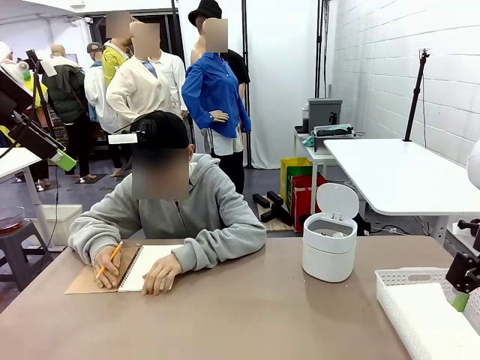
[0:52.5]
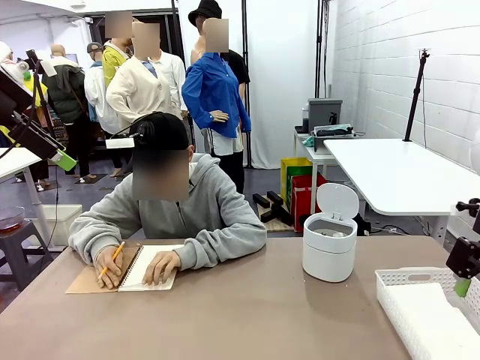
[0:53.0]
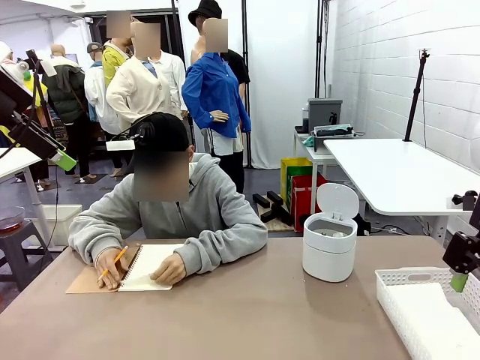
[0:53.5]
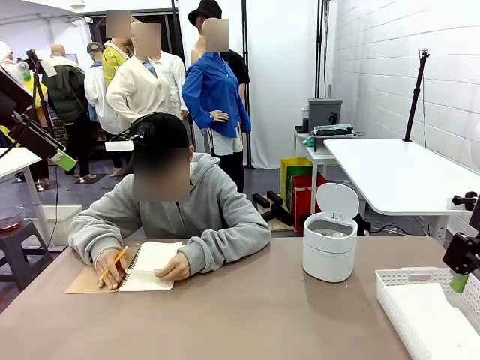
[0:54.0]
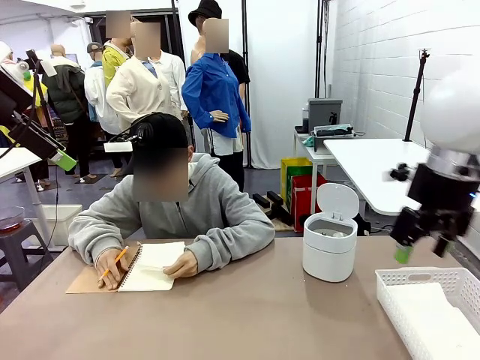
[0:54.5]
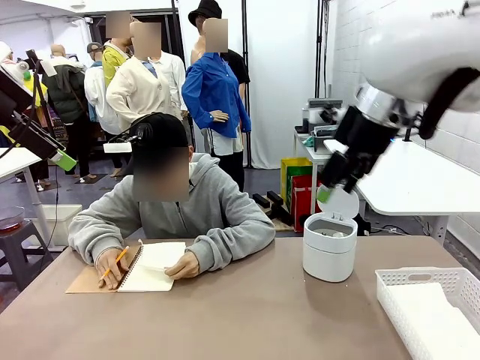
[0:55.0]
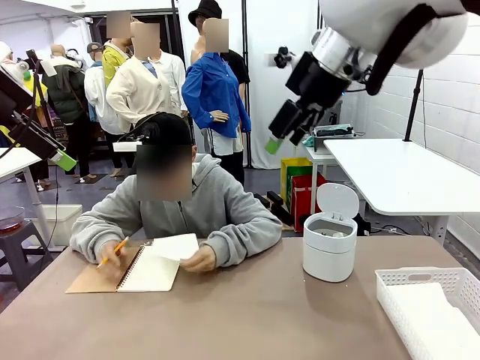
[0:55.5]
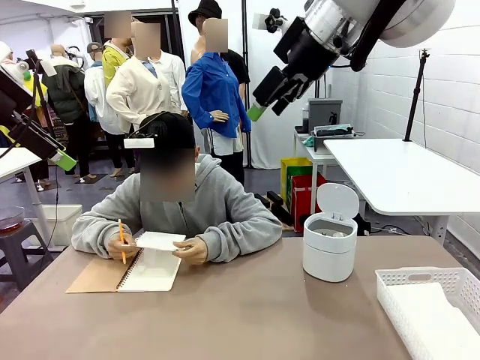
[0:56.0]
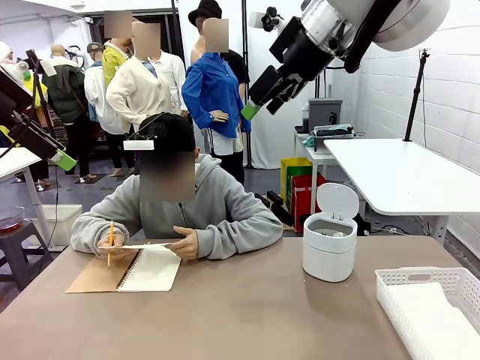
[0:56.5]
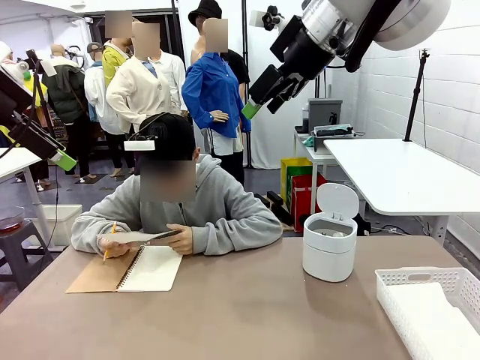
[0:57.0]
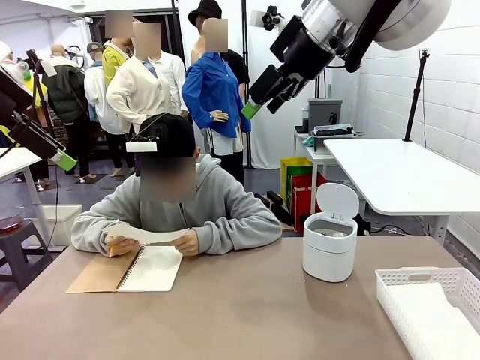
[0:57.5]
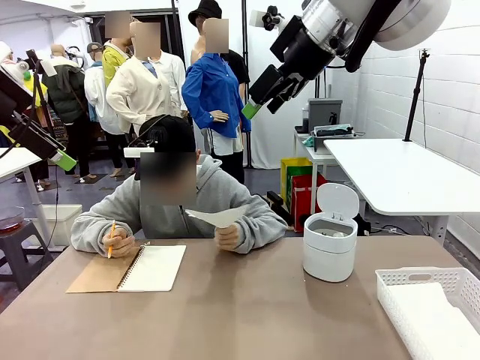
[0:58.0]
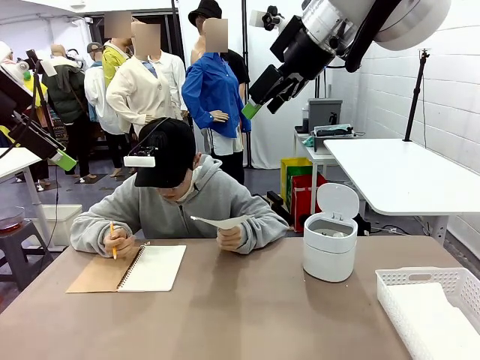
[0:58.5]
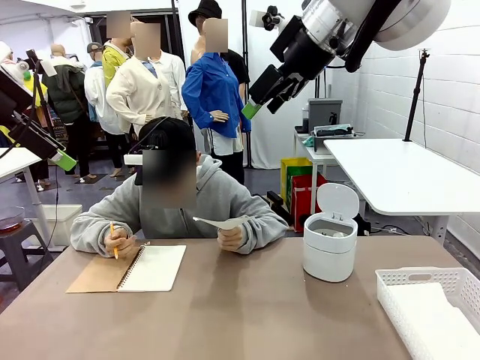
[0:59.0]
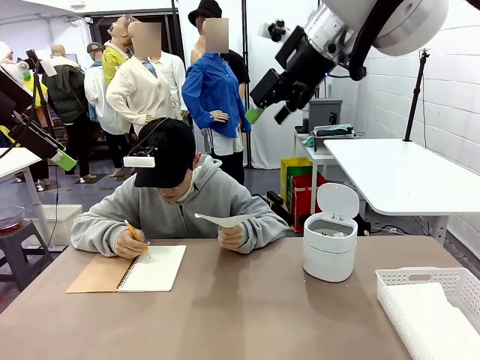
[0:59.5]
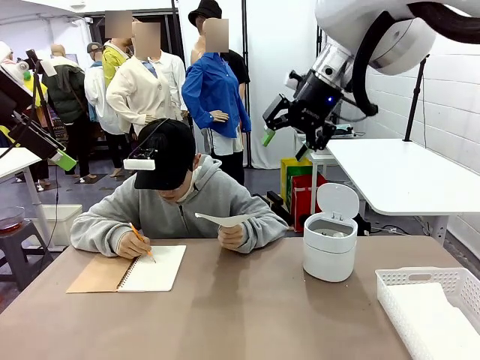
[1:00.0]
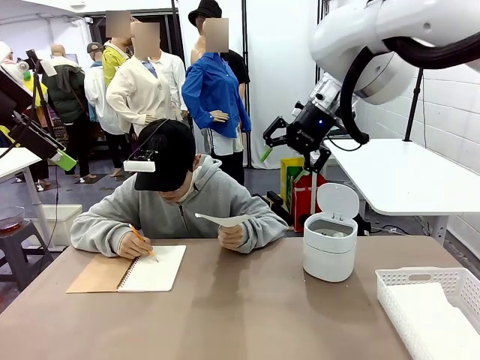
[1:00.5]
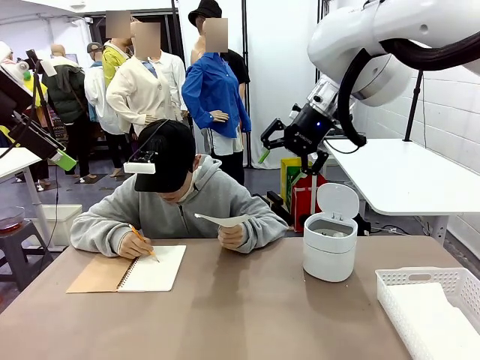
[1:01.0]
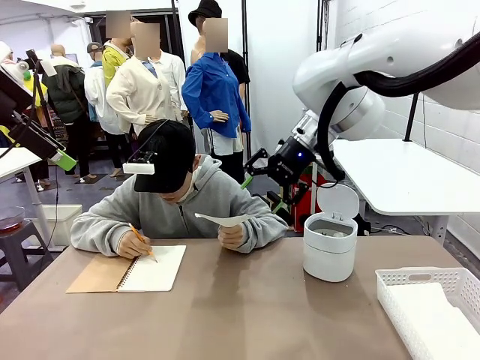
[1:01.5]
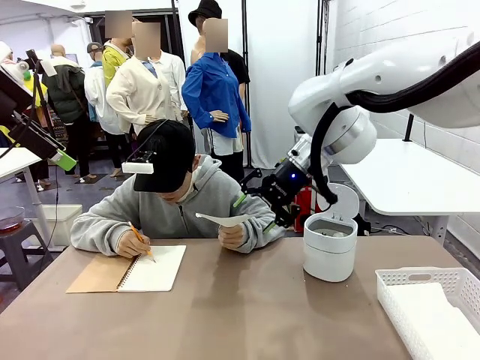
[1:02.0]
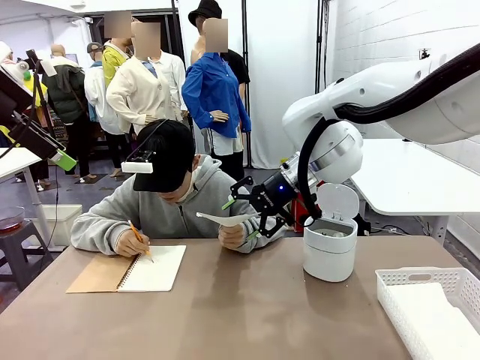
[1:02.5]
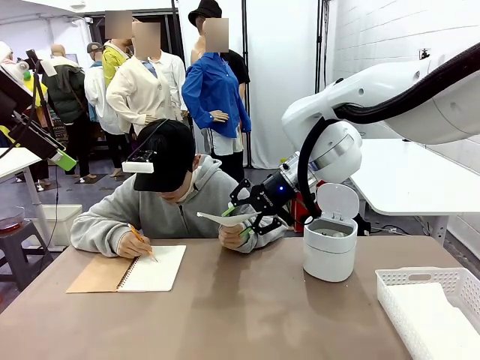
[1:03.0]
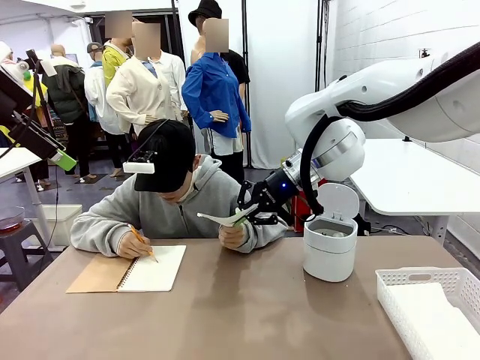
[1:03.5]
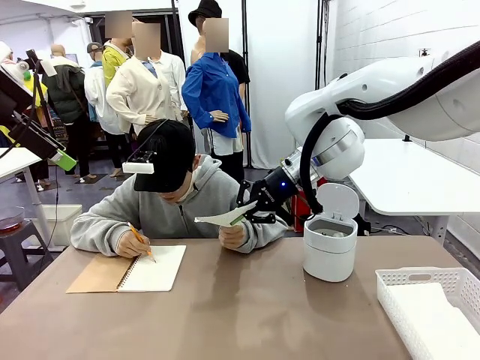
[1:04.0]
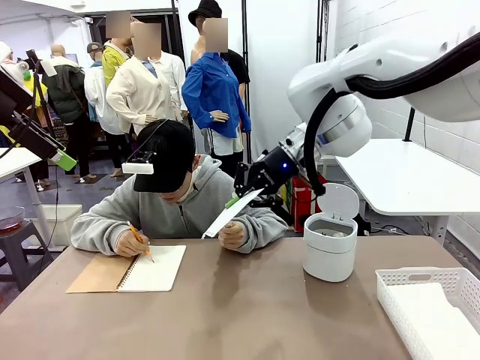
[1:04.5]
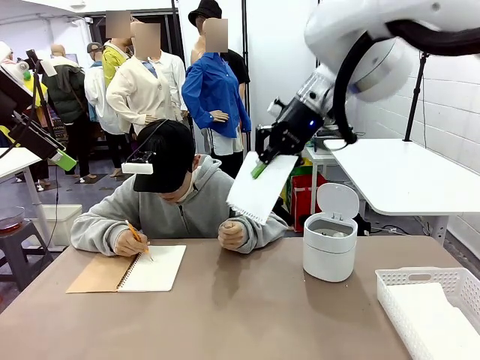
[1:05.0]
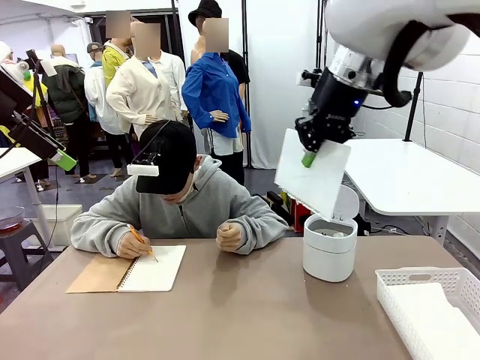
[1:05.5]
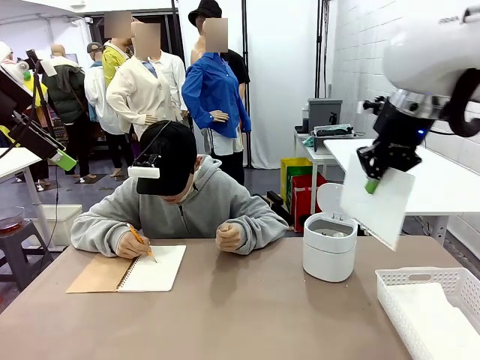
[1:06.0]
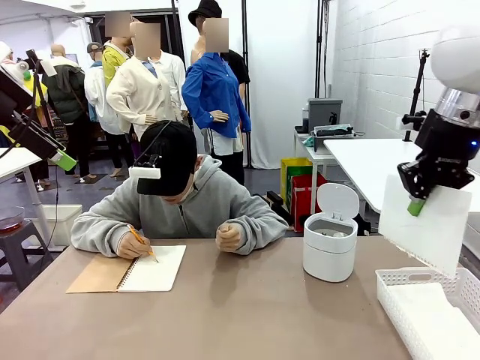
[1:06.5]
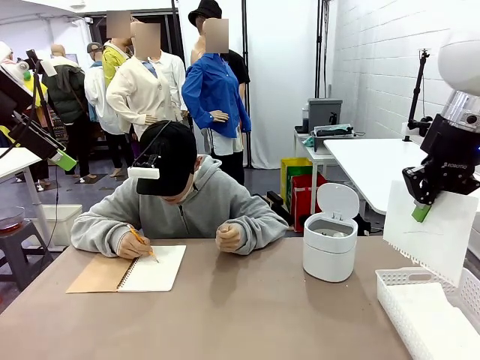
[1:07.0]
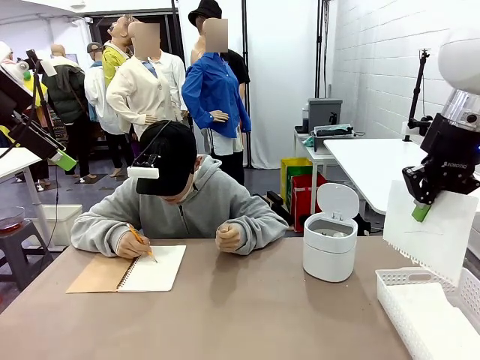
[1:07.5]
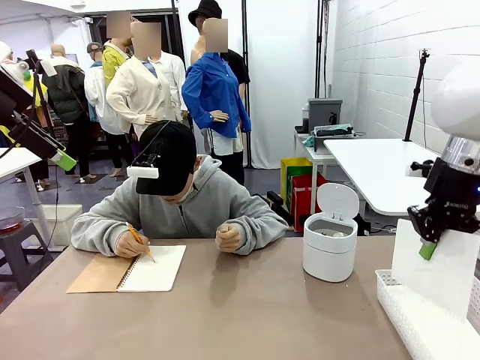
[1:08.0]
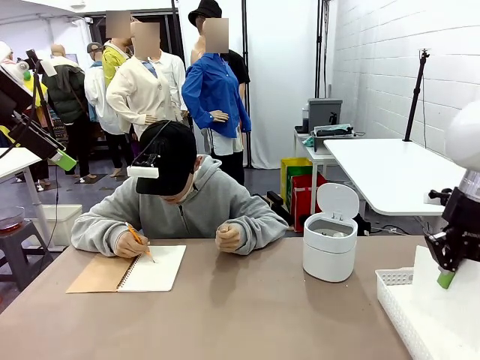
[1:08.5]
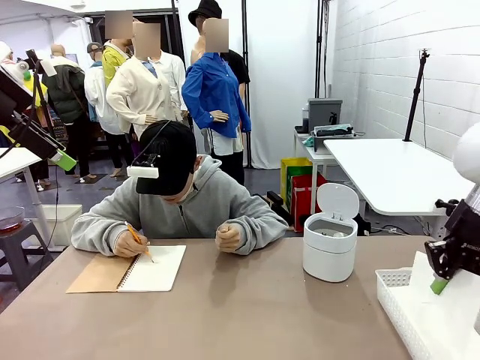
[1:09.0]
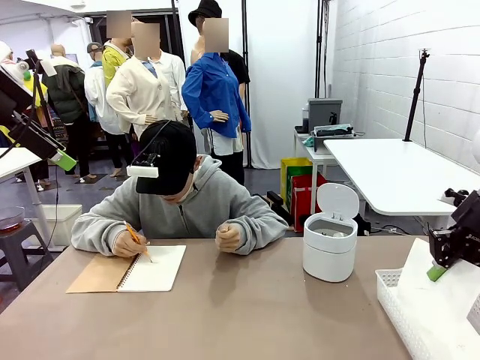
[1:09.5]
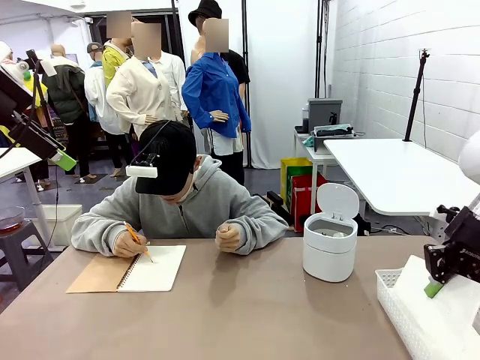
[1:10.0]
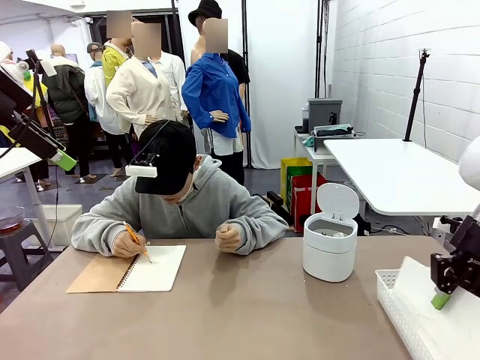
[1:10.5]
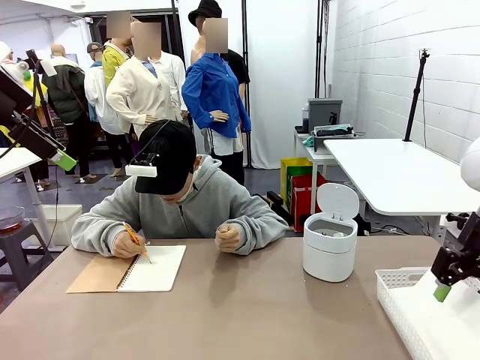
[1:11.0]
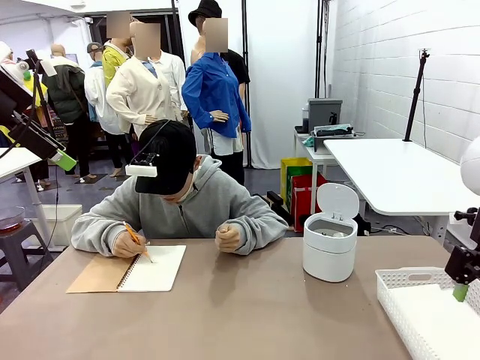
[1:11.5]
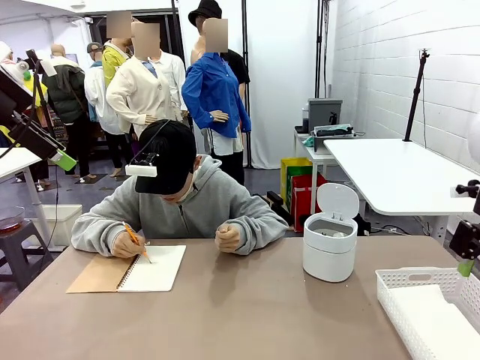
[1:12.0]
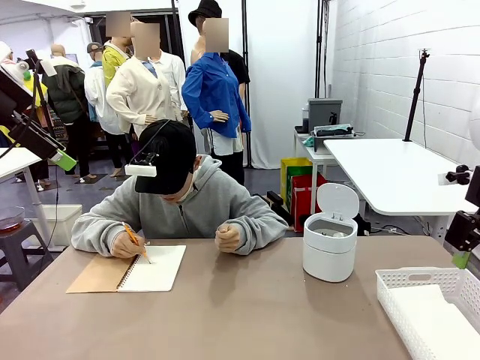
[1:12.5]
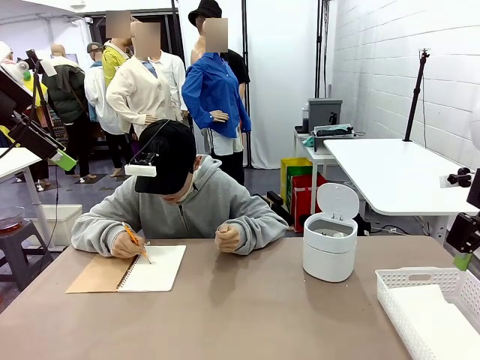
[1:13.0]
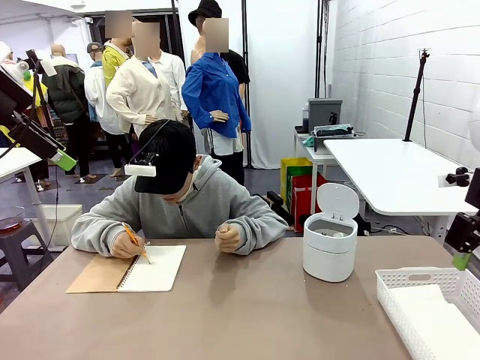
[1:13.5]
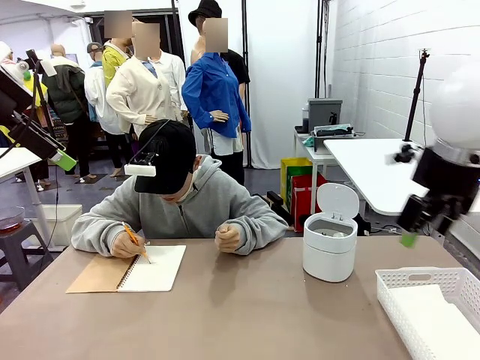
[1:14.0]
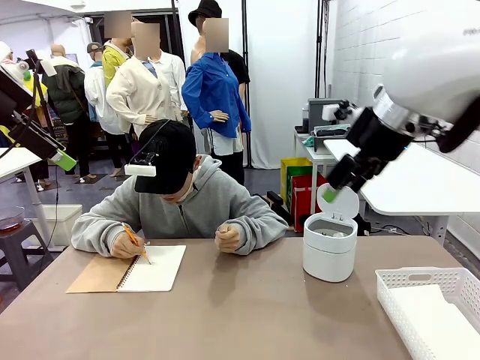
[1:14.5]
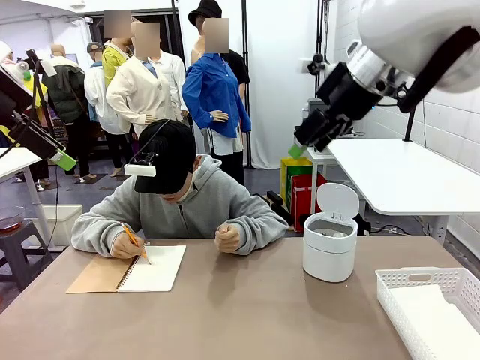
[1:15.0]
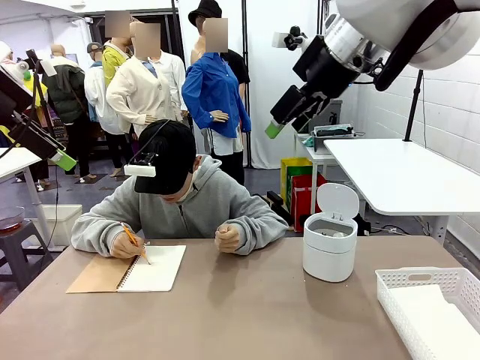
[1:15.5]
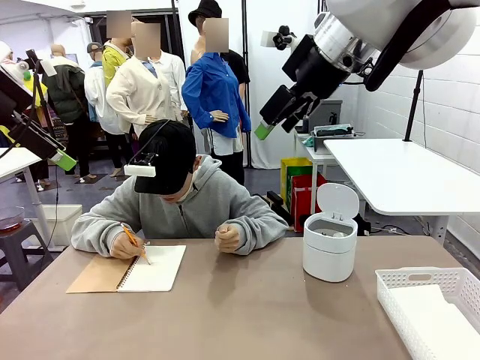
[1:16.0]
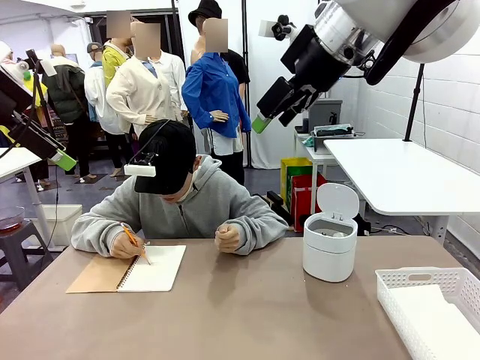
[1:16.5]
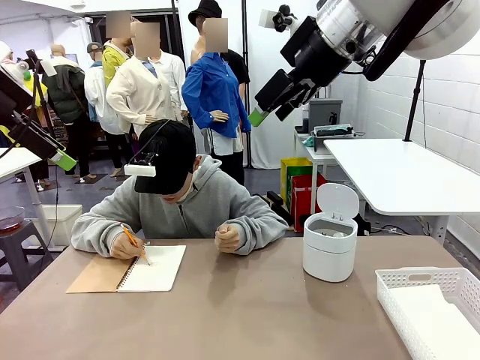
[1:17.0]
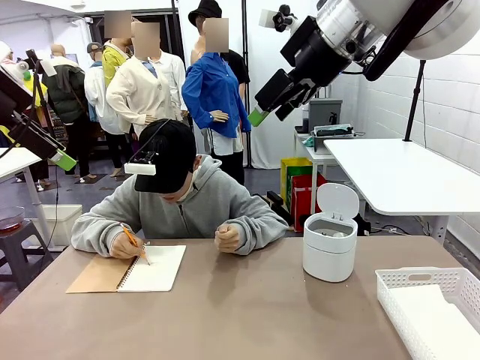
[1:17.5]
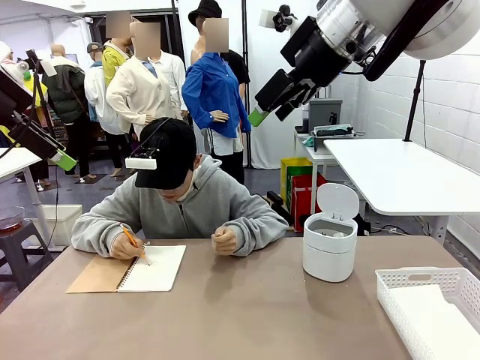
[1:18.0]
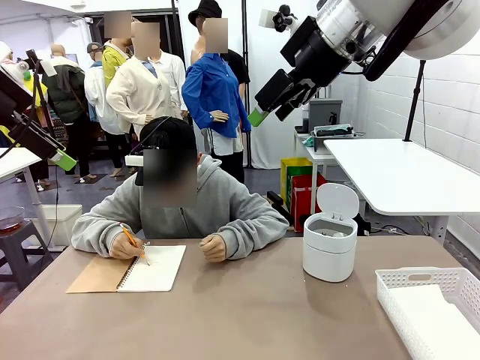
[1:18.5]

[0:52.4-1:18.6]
Task: Sort the paper based on its condition.
Robot: If a person hands you a paper, place it in the Organizing basket , and if it's crumpled, put it in the Trash can.
Person: Hand the torn page to the robot or crumple it and throw it to the center of the table.
